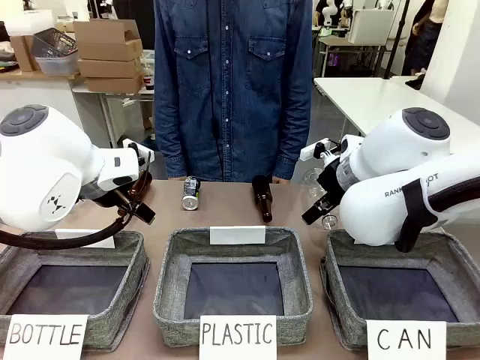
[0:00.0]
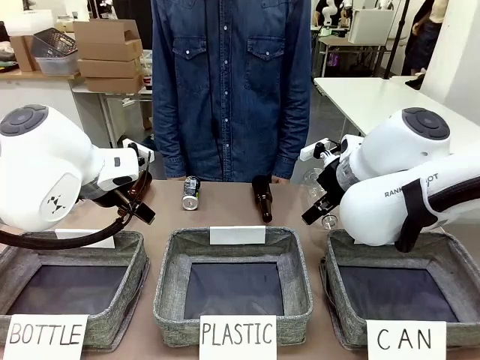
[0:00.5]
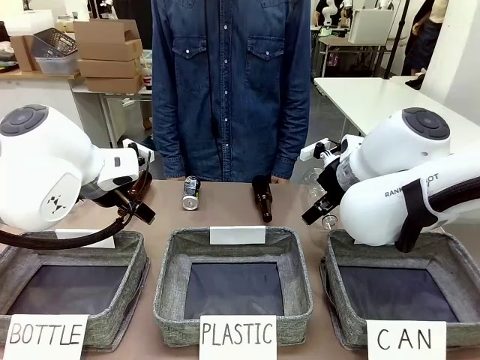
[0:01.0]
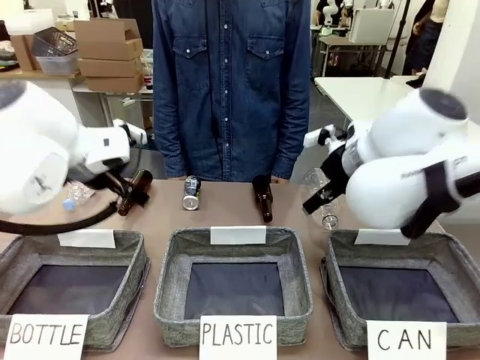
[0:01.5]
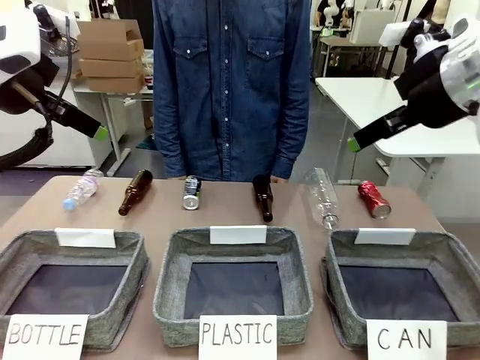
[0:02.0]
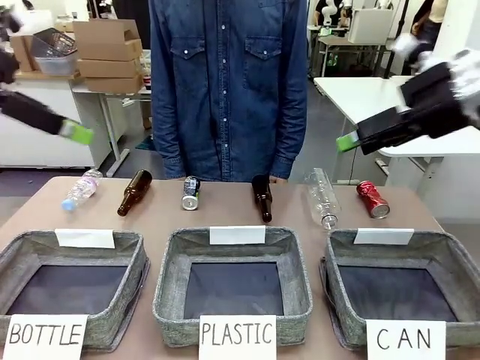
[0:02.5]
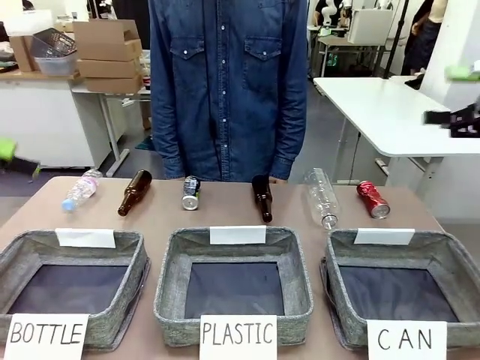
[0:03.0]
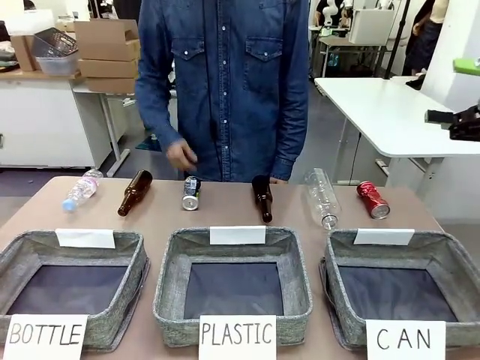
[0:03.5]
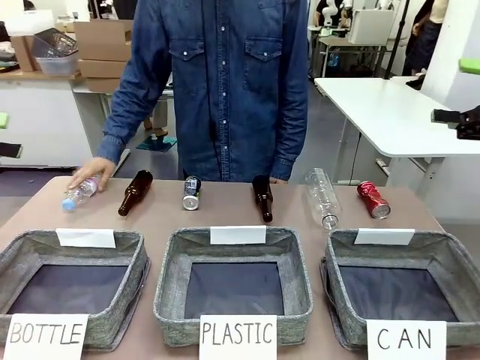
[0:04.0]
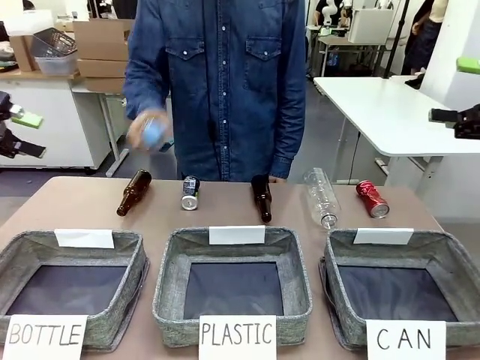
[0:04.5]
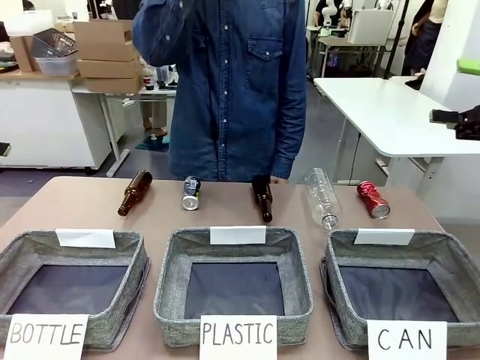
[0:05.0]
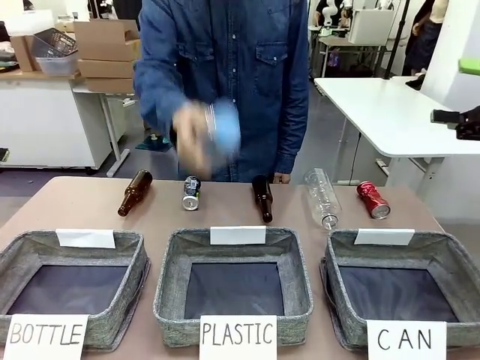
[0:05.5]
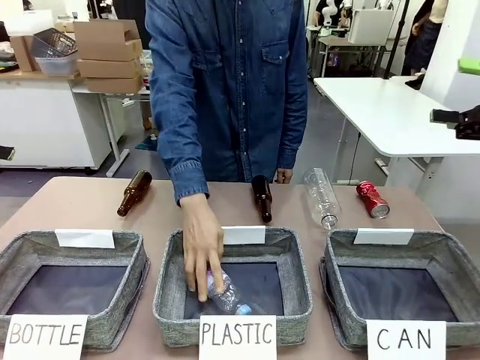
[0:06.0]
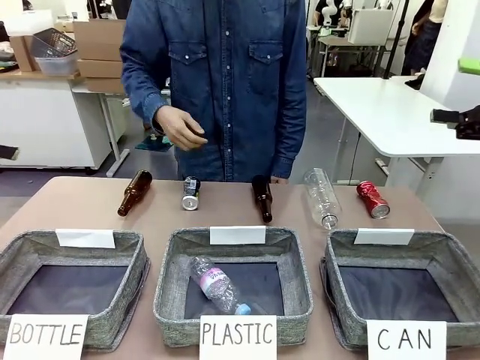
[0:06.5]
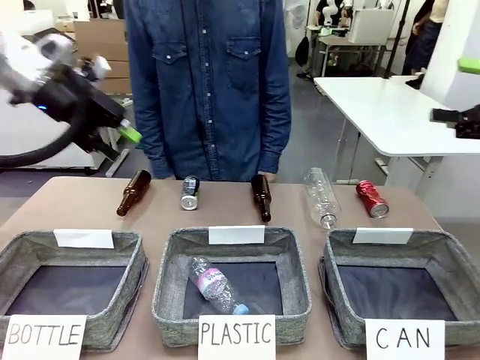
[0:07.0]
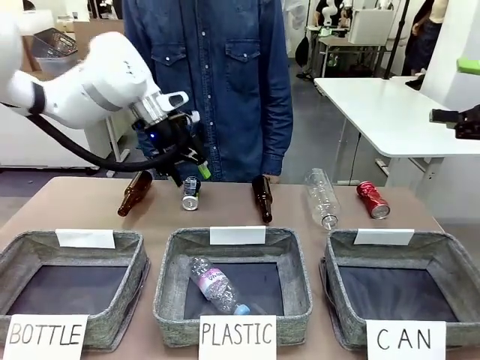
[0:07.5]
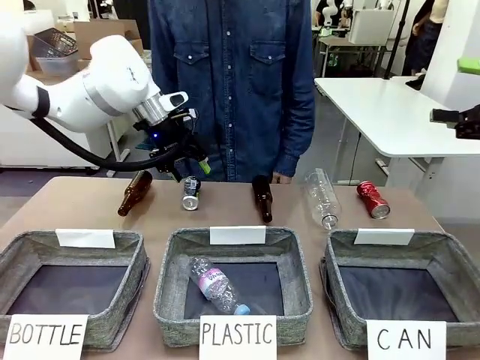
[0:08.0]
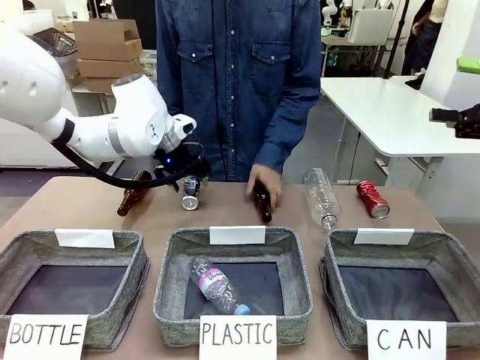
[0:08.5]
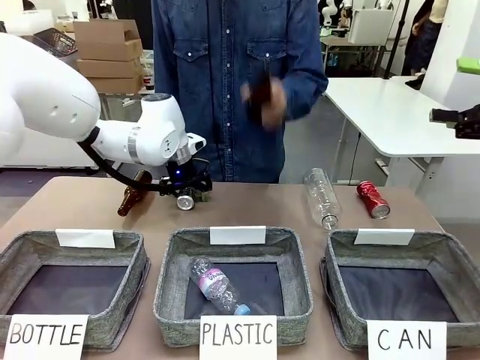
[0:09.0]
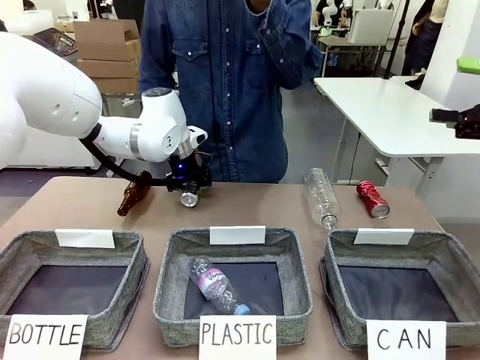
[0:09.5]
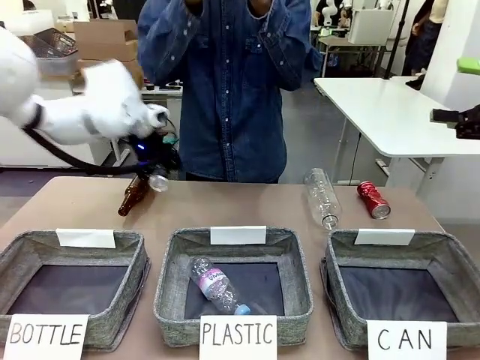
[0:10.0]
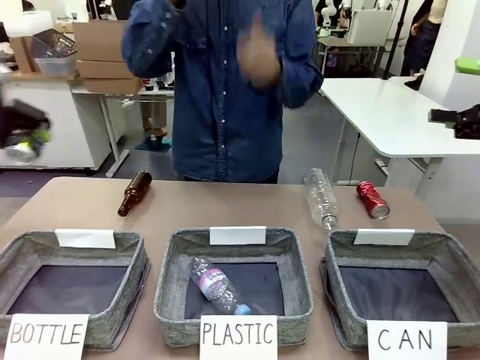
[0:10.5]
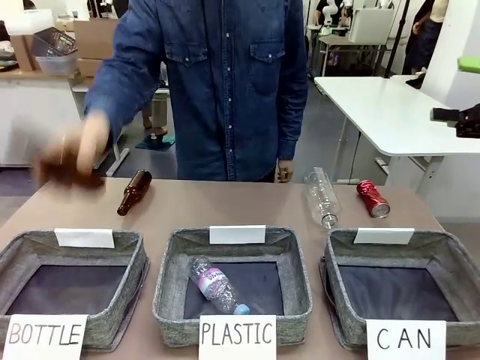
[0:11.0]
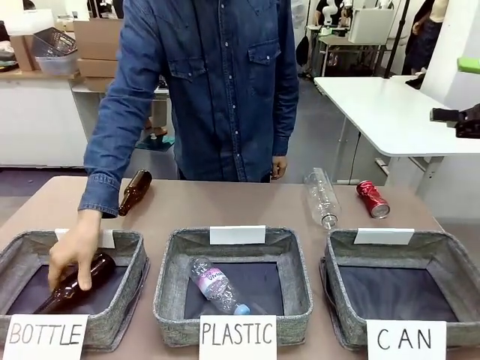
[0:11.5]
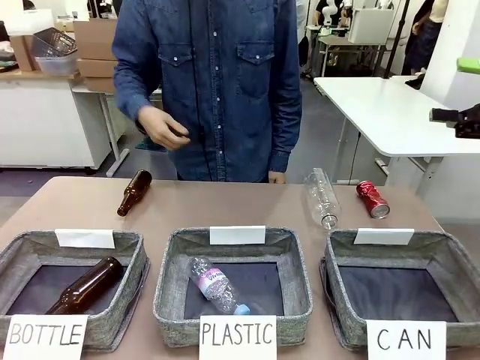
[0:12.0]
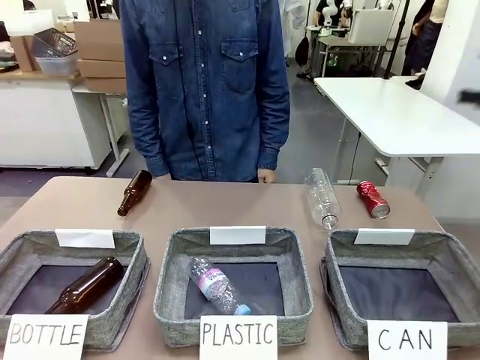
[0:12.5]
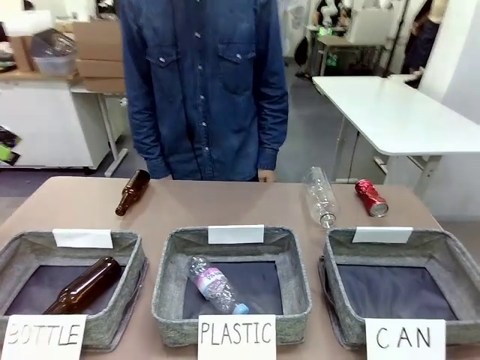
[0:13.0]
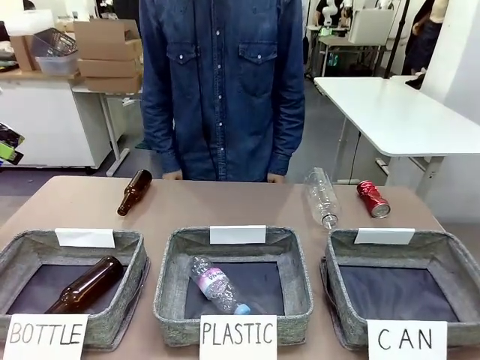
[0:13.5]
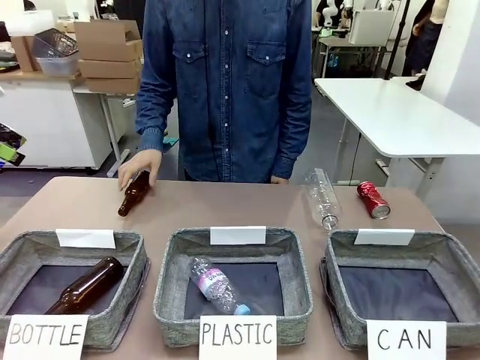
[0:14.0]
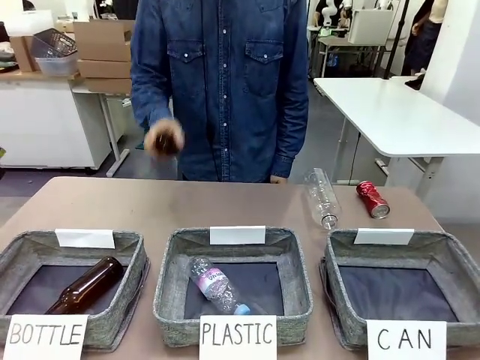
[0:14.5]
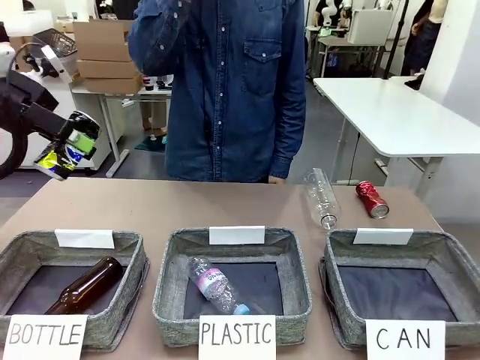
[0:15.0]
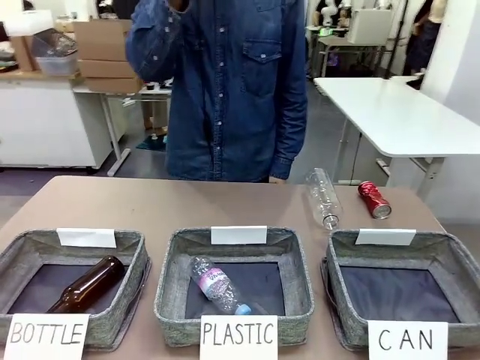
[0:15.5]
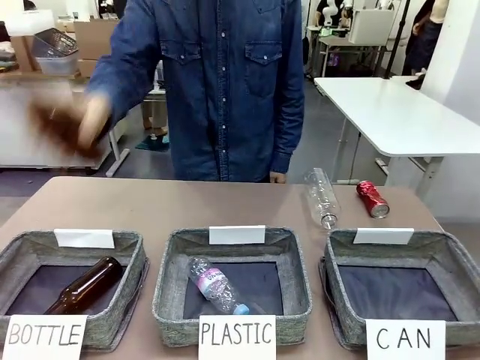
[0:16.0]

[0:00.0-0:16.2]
Task: Sort the can waste into the basket.
Robot: Pick up the can waste from the table and place it in the right Fabric basket.
